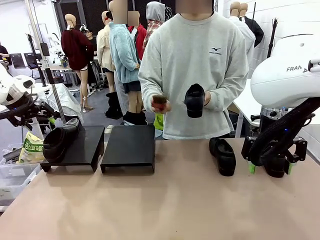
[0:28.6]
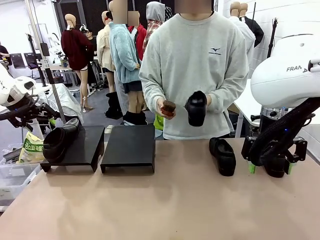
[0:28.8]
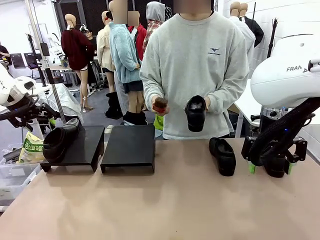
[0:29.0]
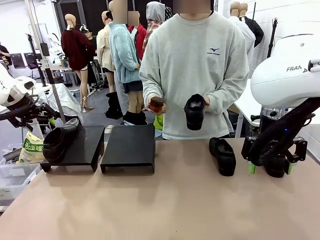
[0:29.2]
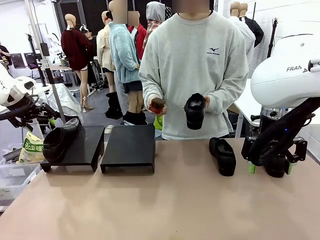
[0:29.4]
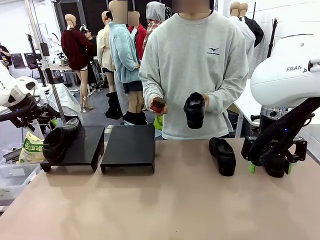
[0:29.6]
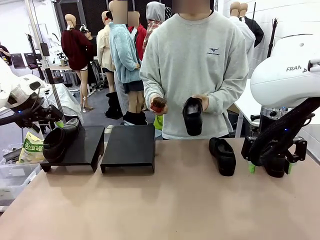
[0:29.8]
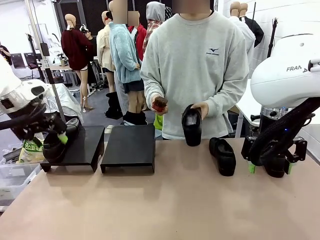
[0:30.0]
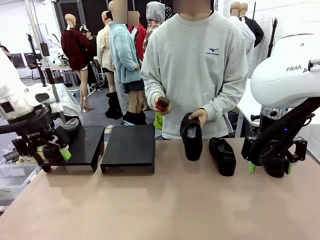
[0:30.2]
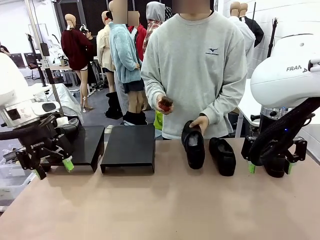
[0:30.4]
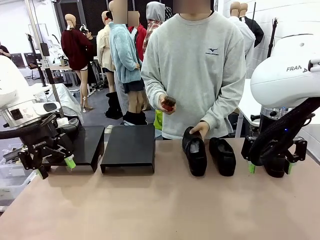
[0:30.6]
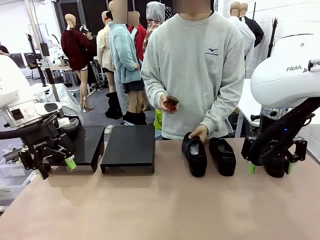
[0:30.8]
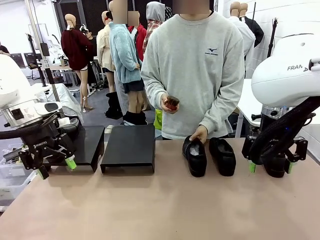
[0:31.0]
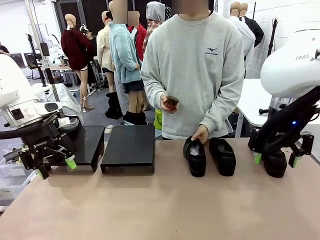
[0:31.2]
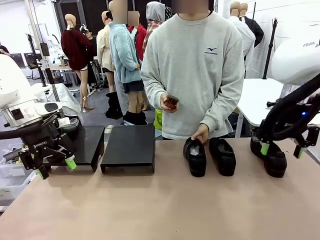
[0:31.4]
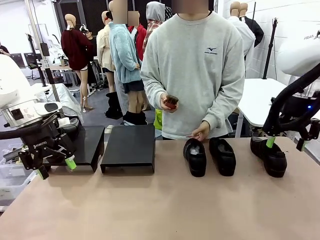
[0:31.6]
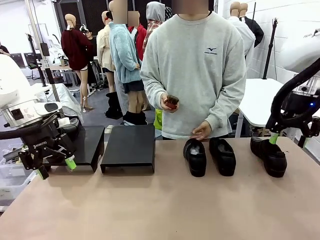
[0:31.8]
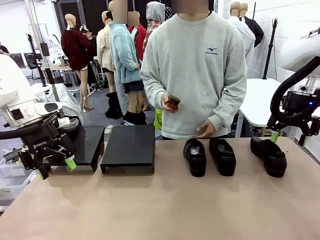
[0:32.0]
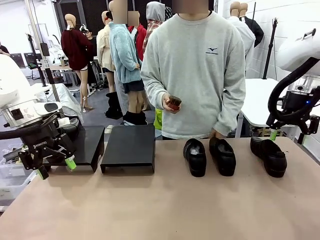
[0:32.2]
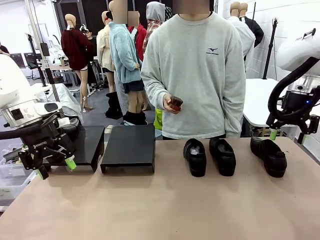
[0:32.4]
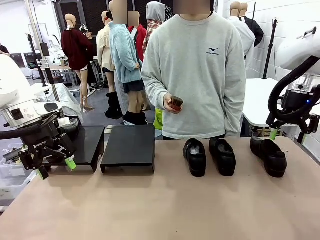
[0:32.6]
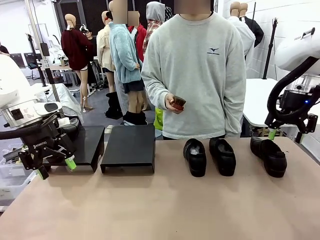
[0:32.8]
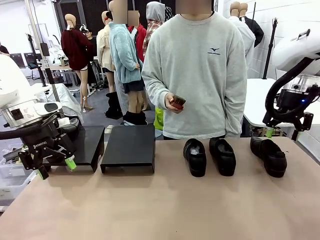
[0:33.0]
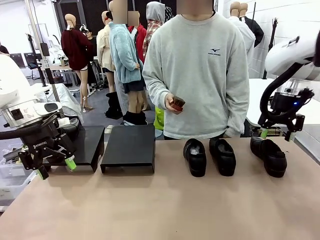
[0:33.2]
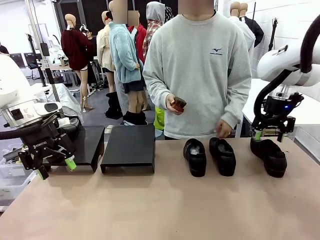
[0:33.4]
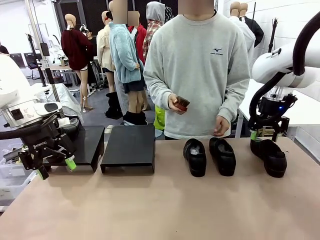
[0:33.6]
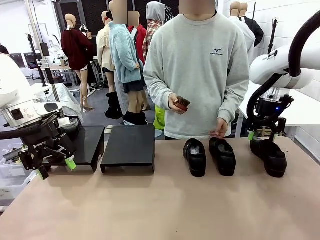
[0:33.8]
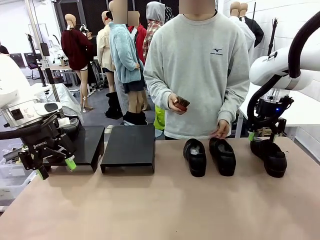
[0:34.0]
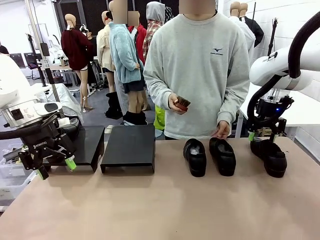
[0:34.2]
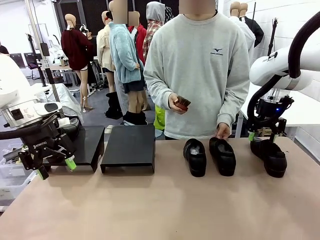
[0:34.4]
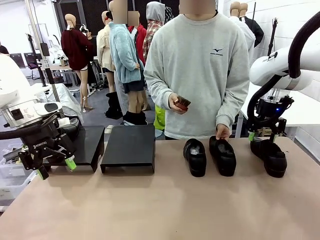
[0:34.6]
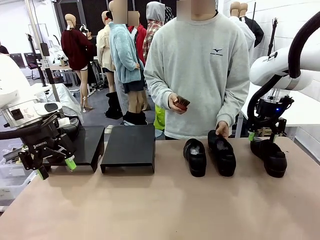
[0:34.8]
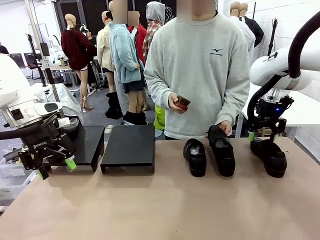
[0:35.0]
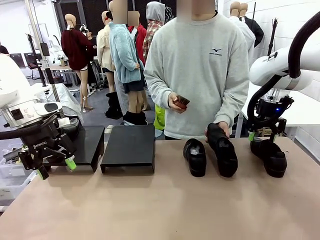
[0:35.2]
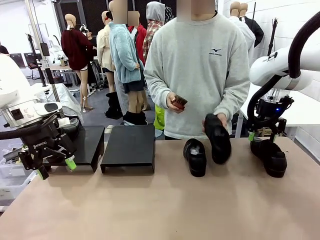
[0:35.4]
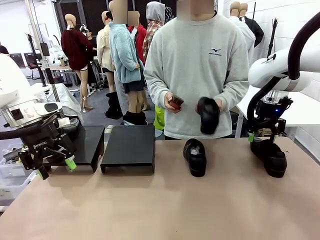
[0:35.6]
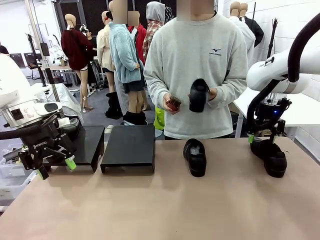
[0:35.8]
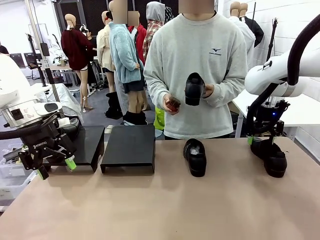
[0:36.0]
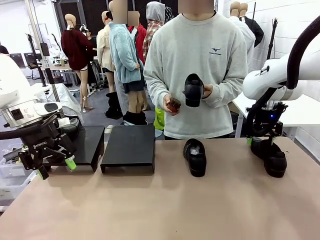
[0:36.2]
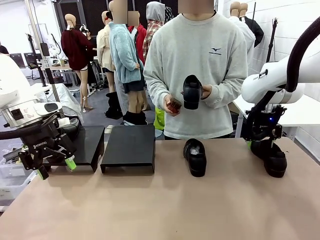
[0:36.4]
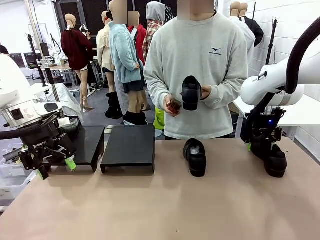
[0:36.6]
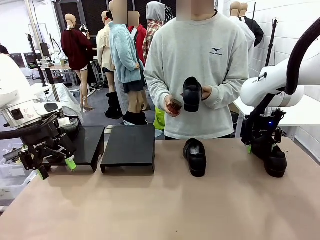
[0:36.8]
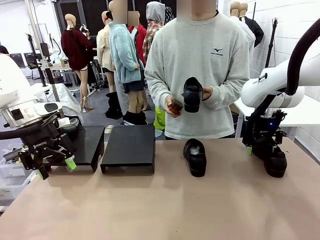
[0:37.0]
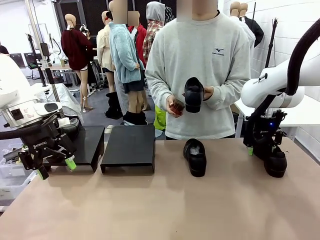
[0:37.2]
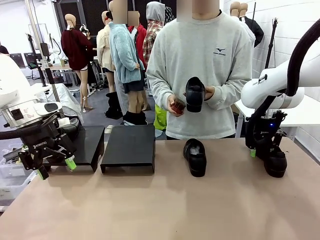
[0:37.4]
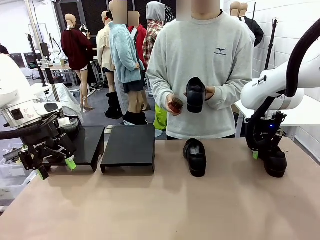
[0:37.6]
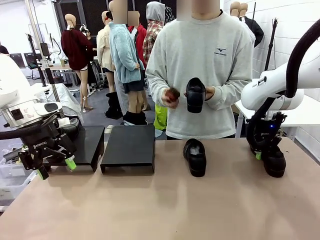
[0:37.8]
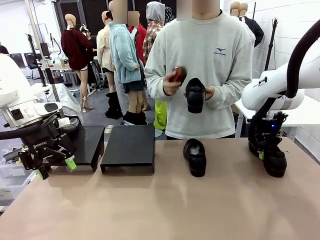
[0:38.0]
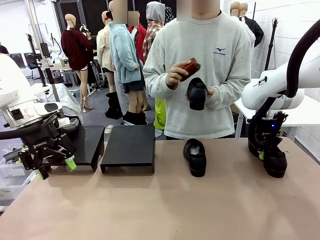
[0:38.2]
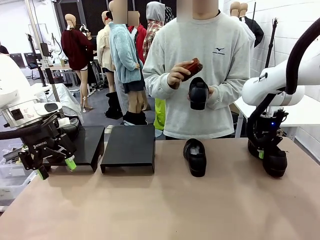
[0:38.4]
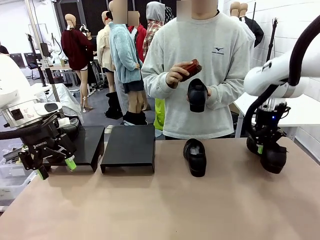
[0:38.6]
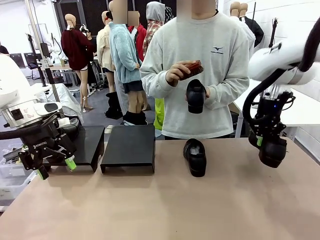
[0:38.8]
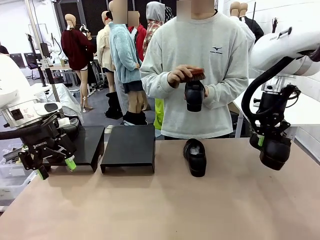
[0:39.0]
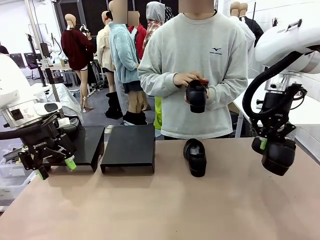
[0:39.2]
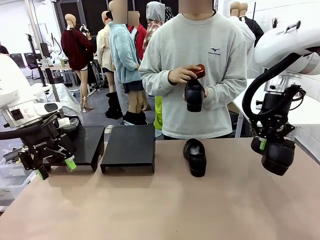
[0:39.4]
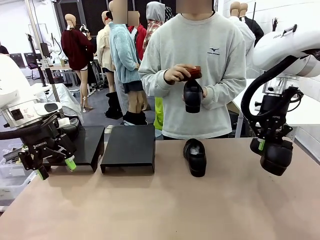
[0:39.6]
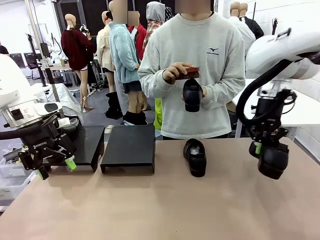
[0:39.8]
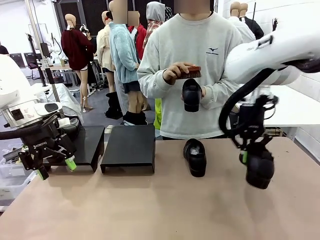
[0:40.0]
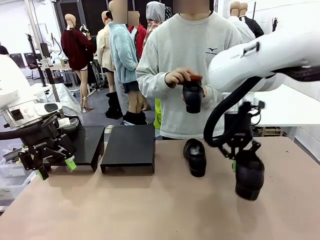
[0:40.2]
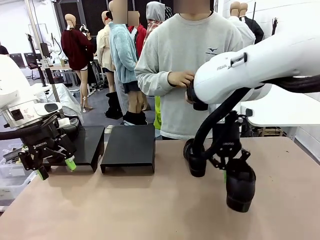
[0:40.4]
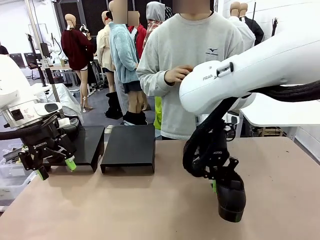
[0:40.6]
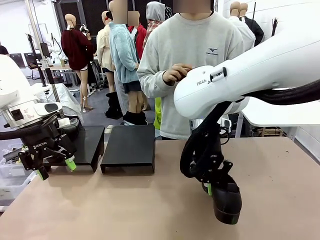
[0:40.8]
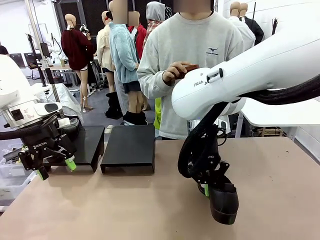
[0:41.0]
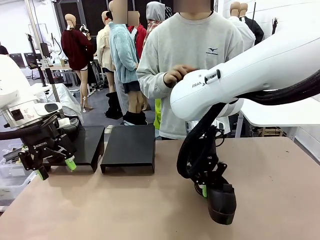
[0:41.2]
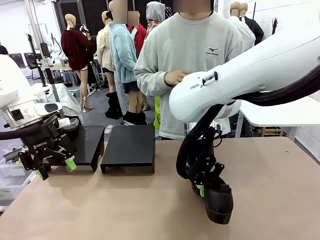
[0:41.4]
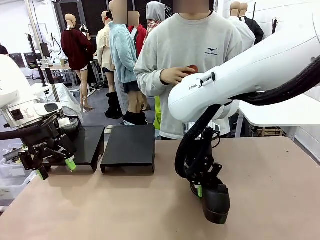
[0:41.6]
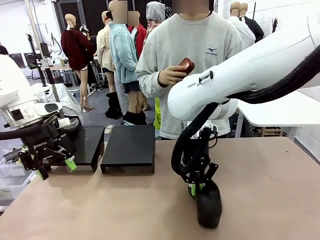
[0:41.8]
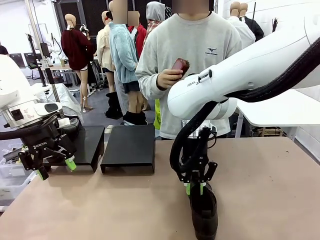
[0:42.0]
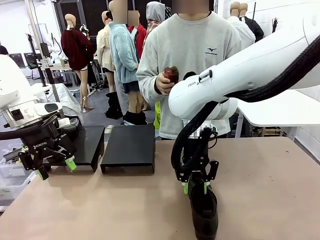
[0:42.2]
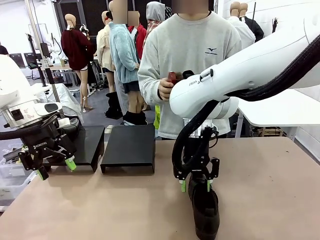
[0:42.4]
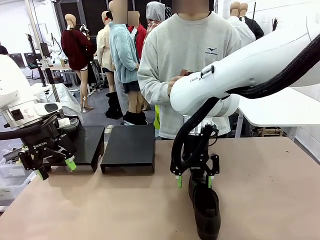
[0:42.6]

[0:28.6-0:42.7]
Task: Organize the shoes by placing them on the stand.
Robot: Pick up one Shoe and place it in the middle of the table.
Person: Place the Shoe on left side of the Robot's table. Pick one Shoe on Robot's table.
